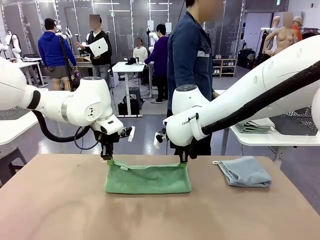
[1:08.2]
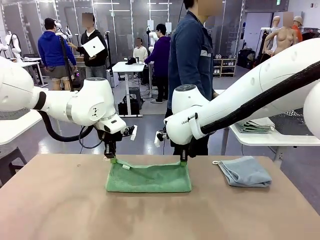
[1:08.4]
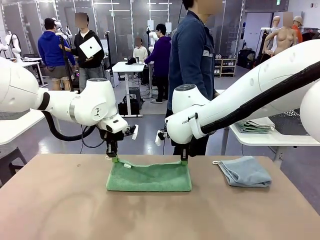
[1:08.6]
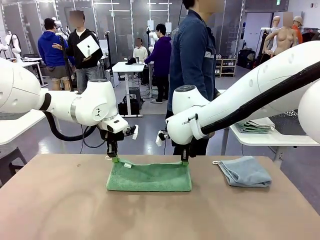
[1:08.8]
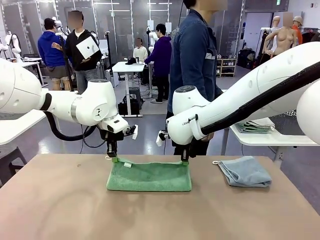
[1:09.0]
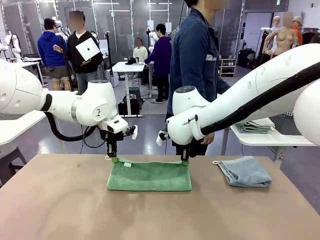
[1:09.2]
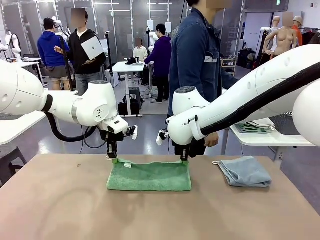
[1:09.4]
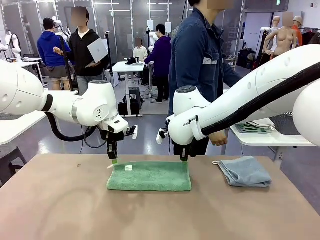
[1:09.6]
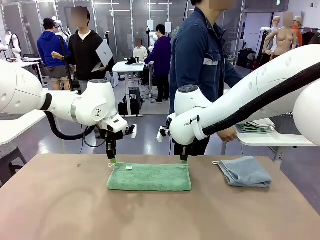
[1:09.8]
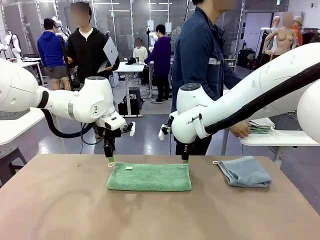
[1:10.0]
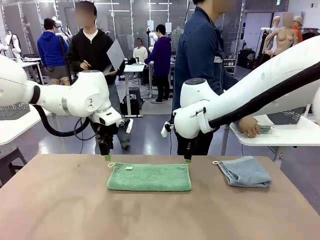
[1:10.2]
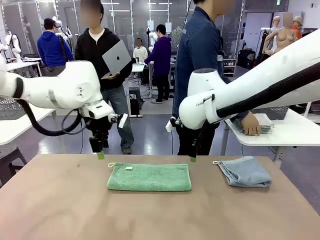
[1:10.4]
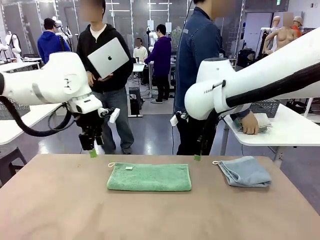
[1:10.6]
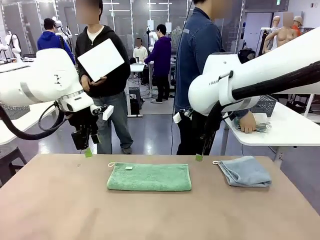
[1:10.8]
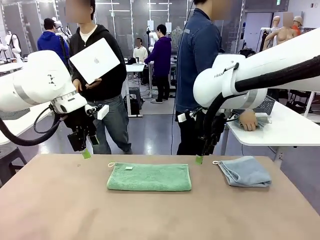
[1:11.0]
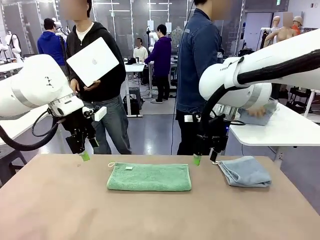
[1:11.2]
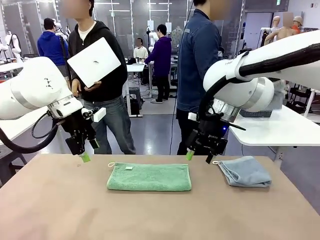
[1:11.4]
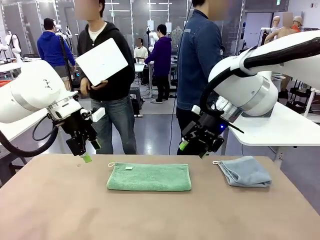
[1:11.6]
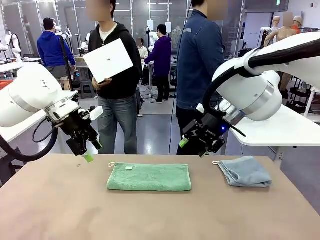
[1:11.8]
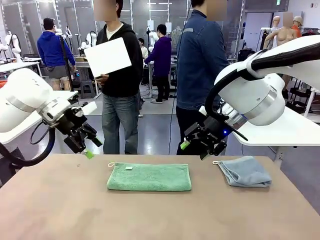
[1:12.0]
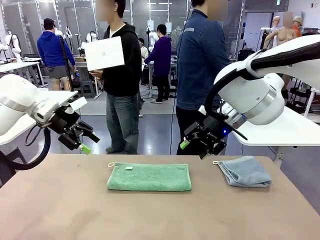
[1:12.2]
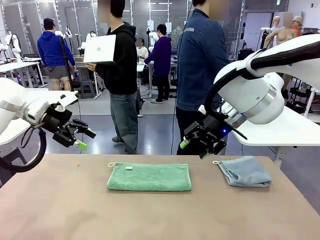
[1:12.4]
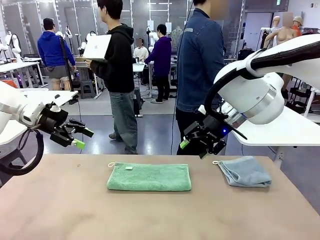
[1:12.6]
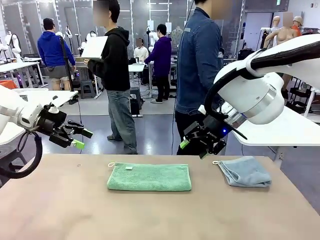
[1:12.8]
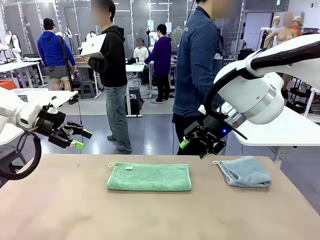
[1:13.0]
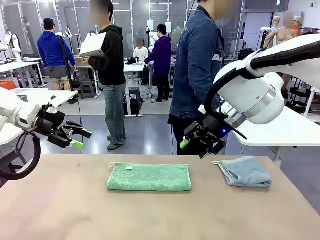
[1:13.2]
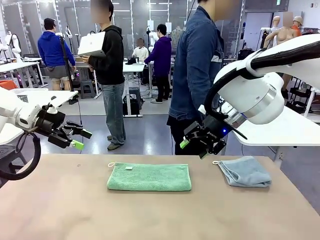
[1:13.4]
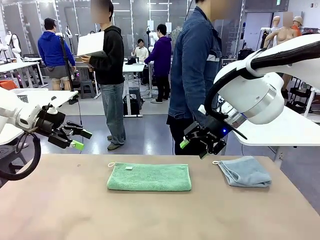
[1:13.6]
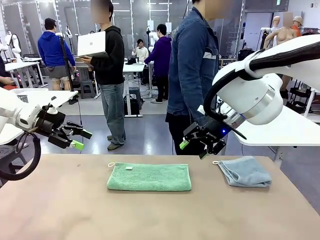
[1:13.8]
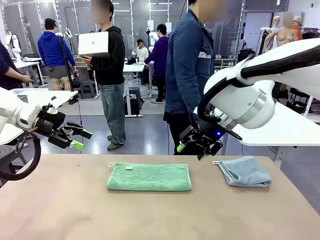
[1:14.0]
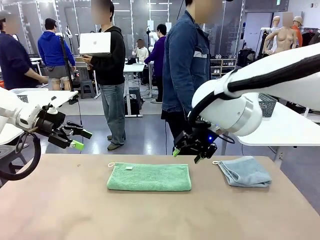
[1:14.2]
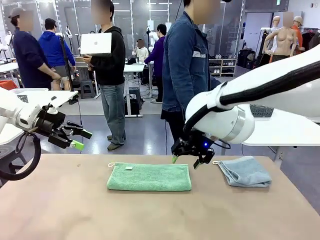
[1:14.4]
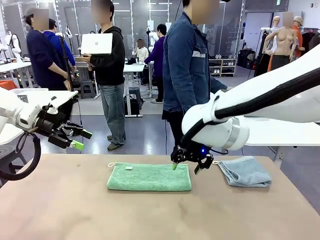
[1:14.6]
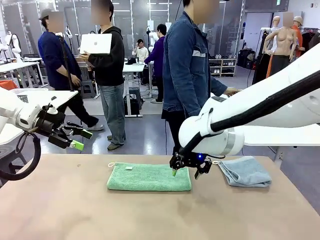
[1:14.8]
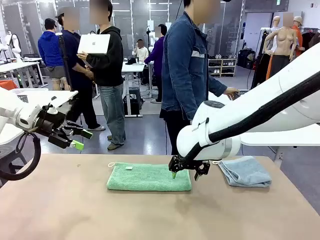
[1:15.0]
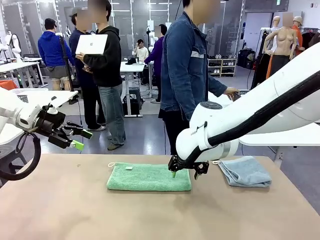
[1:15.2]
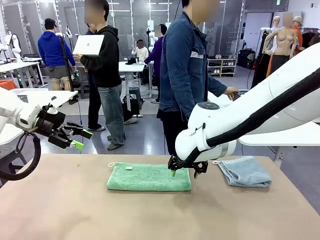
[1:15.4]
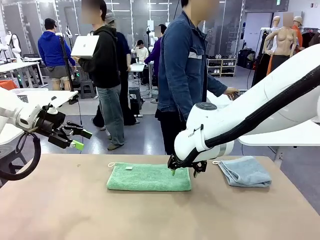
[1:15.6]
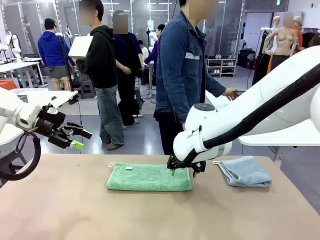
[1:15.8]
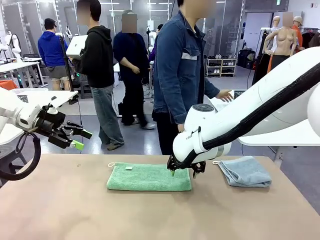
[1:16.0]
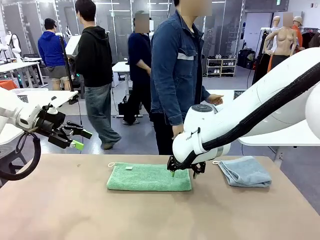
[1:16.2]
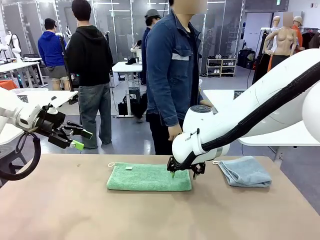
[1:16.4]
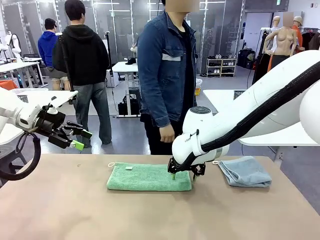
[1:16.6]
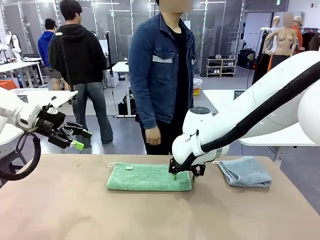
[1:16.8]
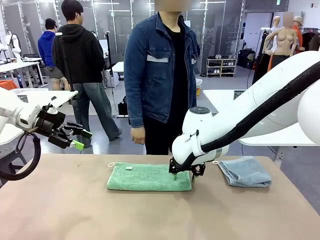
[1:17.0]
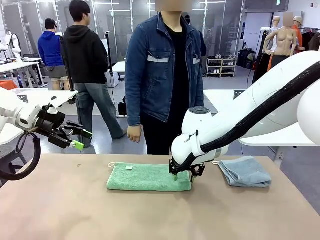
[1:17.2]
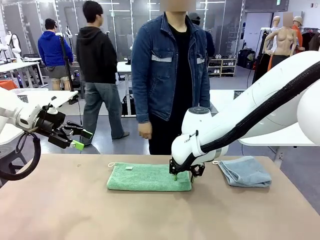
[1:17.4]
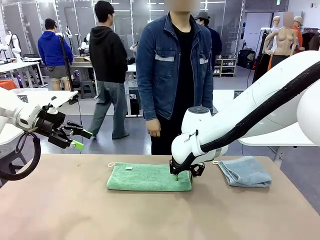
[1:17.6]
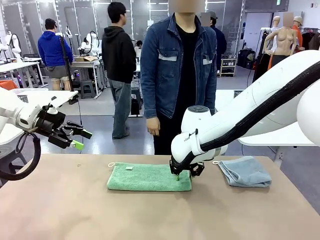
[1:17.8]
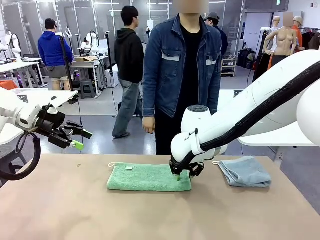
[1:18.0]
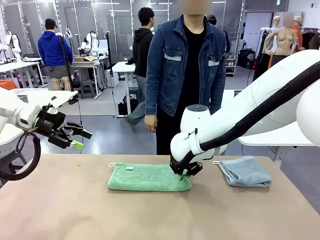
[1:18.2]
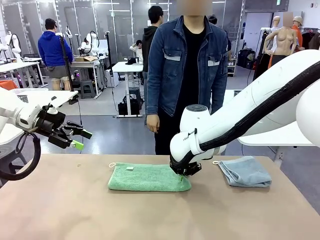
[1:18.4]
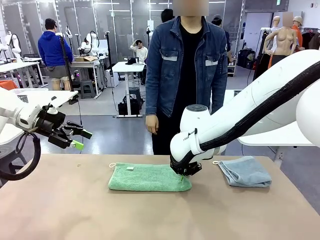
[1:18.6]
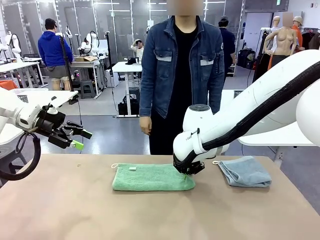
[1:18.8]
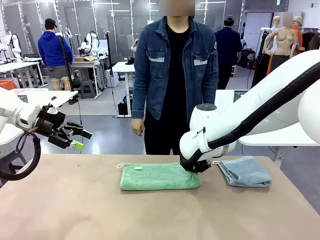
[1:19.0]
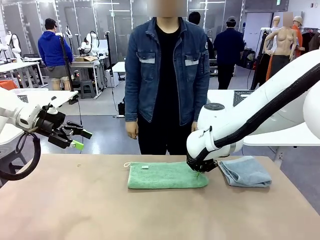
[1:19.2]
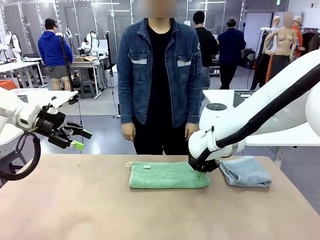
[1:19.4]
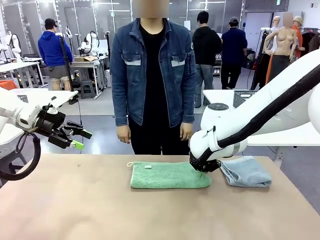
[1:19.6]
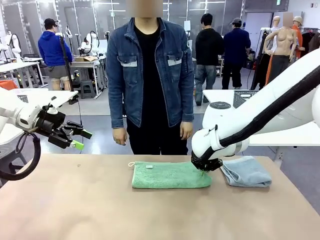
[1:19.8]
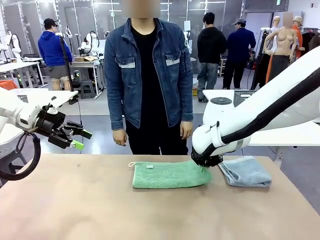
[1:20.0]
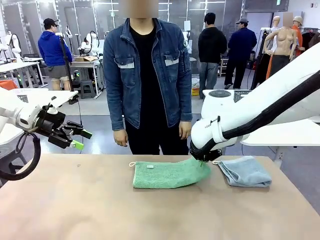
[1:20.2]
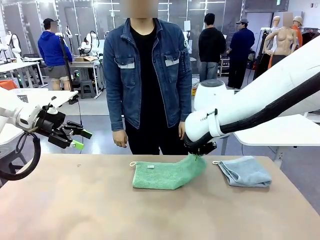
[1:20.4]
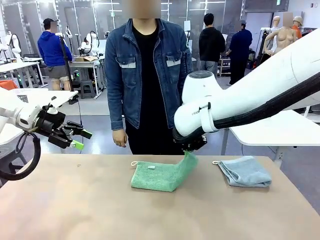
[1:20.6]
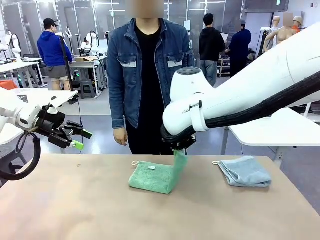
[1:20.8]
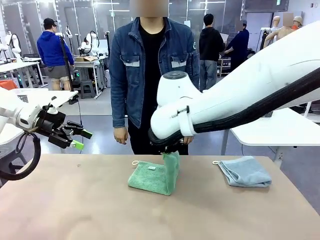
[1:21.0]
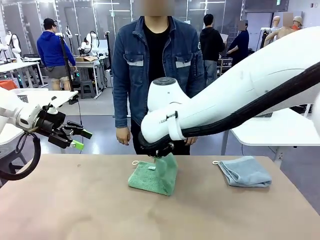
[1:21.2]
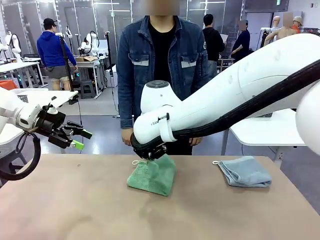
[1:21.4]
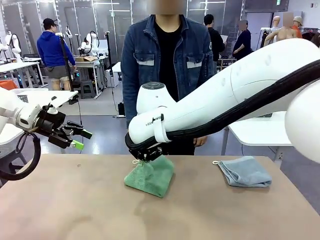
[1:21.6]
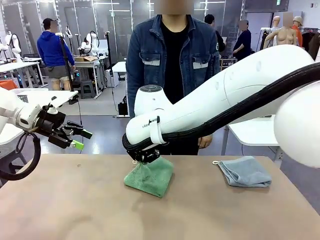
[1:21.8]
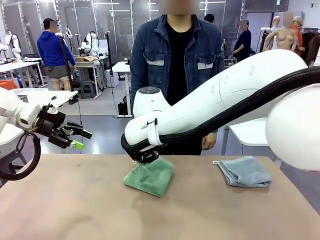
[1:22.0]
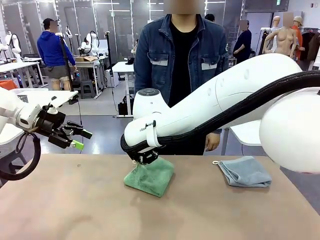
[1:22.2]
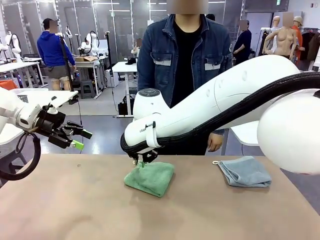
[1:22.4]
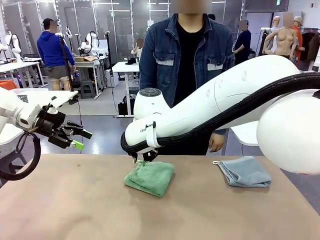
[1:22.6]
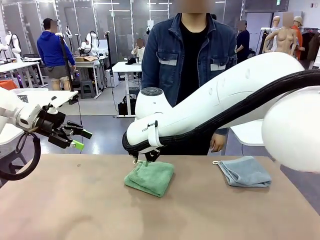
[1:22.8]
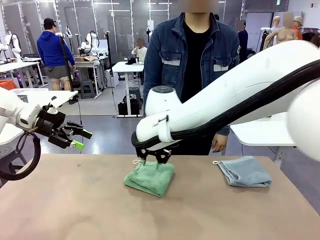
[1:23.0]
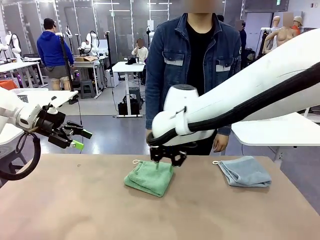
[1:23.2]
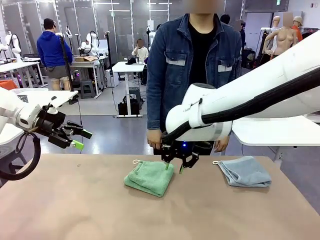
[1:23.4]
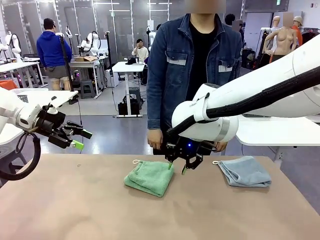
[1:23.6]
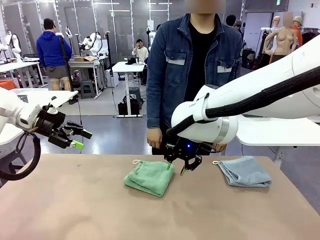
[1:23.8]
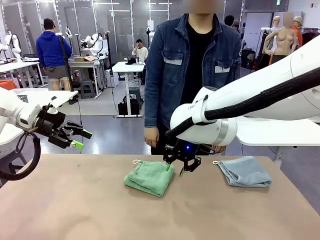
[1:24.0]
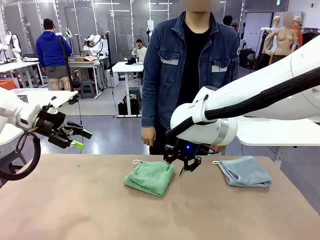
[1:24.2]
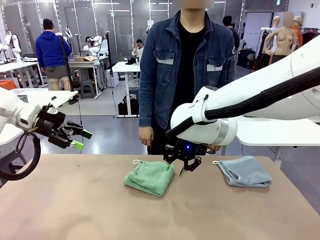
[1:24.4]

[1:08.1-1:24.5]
Task: Fold the towels and place them in the basket.
Robot: When a person lays out a Towel with hook on the table, fold it in half twice.
Person: Pick up the stack of towels from the right side of the human table, place it into the basket, and put the basket at the center of the table.
